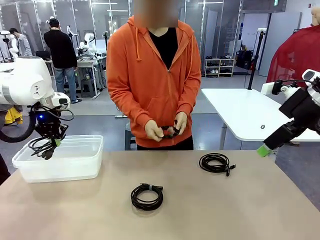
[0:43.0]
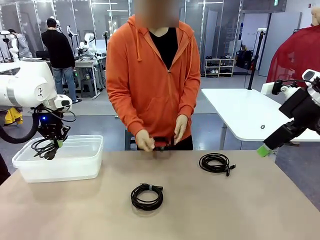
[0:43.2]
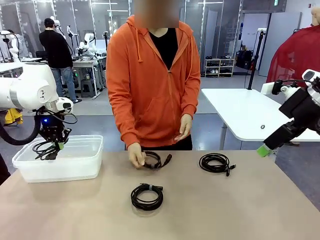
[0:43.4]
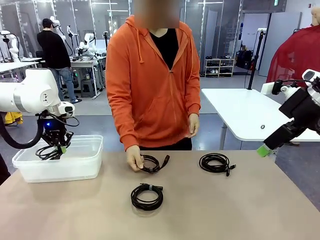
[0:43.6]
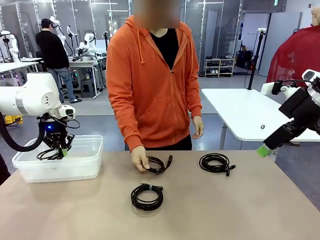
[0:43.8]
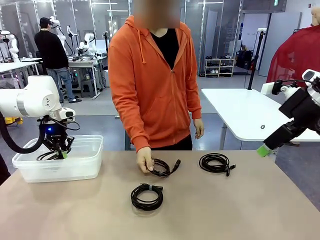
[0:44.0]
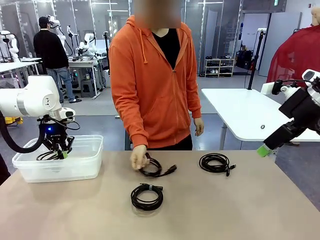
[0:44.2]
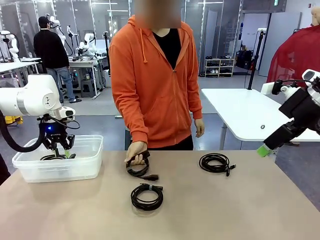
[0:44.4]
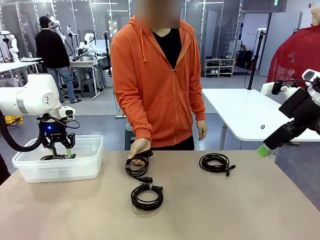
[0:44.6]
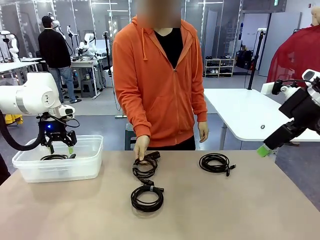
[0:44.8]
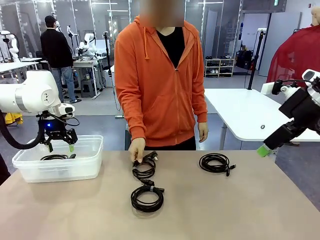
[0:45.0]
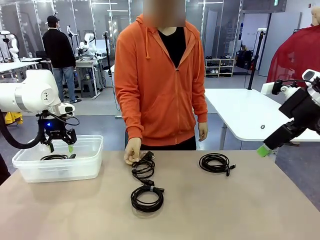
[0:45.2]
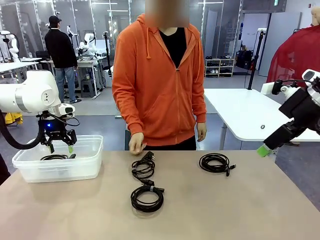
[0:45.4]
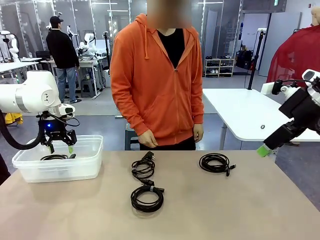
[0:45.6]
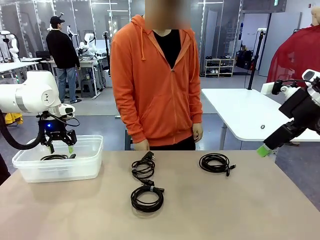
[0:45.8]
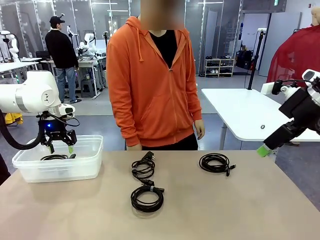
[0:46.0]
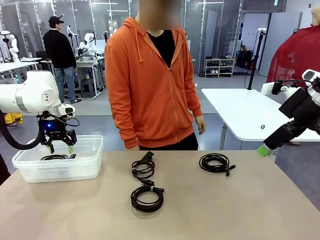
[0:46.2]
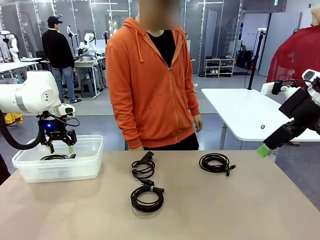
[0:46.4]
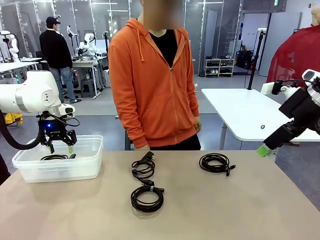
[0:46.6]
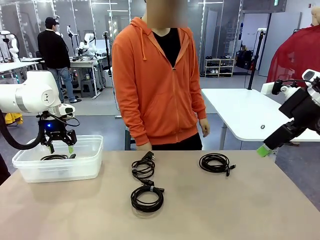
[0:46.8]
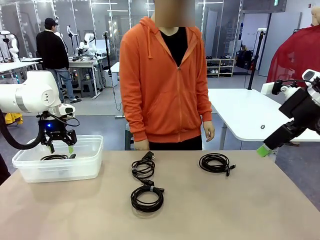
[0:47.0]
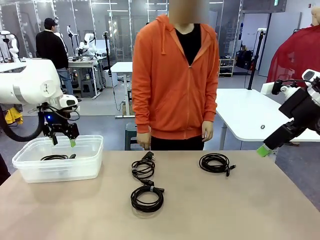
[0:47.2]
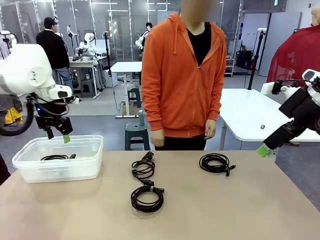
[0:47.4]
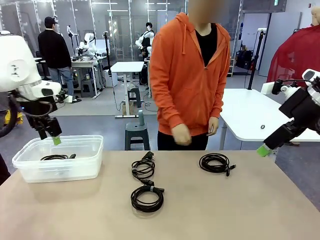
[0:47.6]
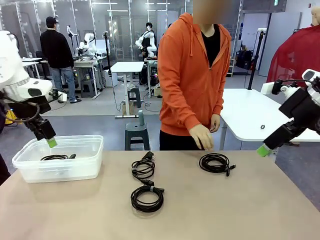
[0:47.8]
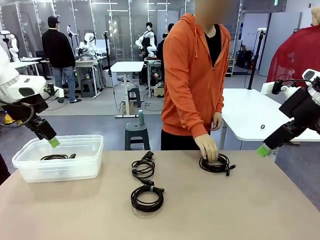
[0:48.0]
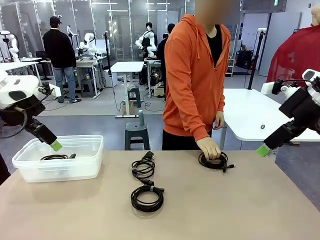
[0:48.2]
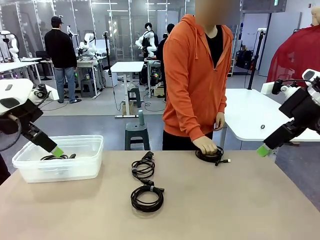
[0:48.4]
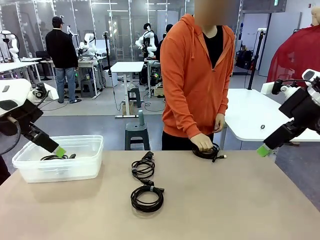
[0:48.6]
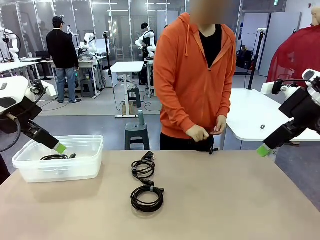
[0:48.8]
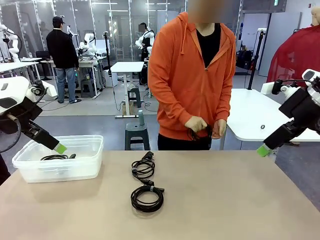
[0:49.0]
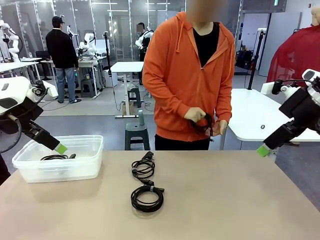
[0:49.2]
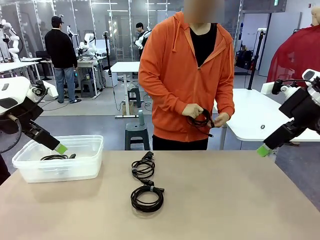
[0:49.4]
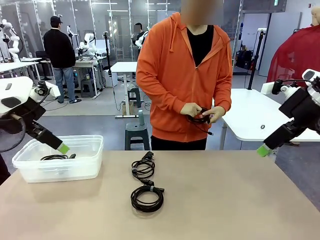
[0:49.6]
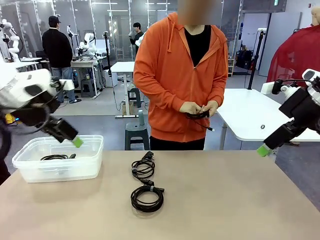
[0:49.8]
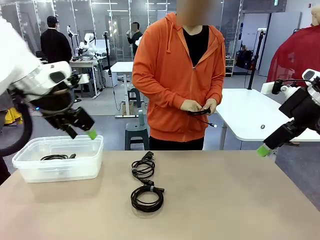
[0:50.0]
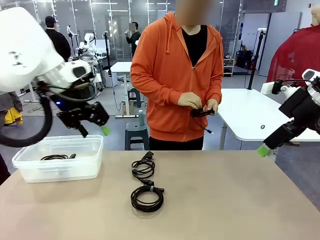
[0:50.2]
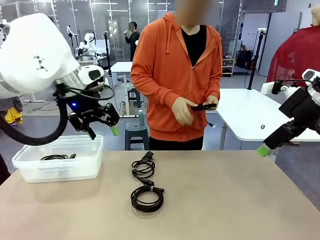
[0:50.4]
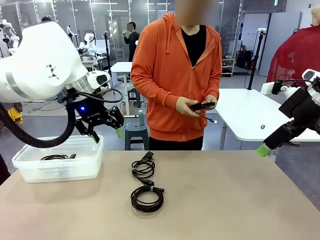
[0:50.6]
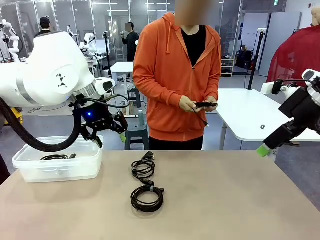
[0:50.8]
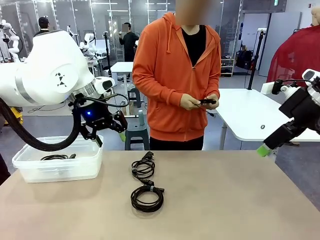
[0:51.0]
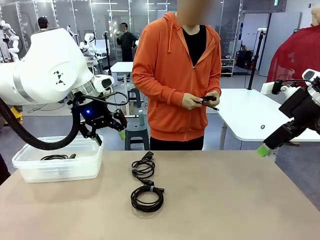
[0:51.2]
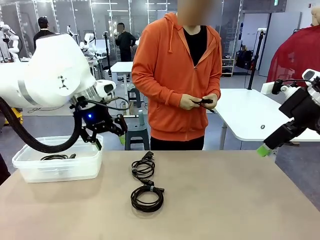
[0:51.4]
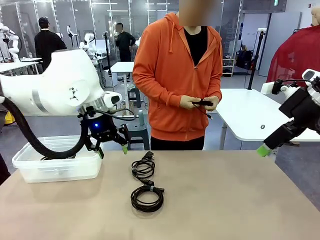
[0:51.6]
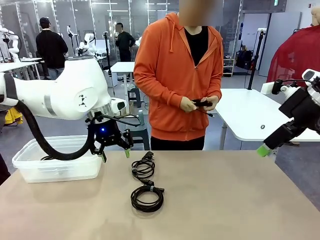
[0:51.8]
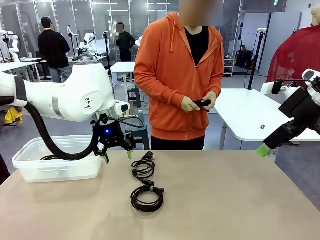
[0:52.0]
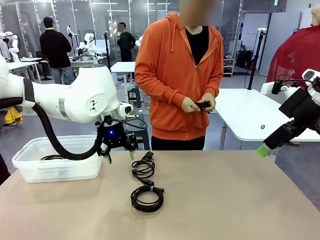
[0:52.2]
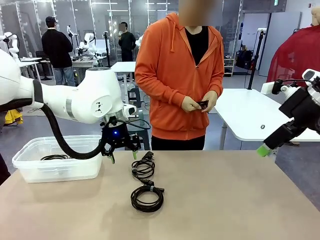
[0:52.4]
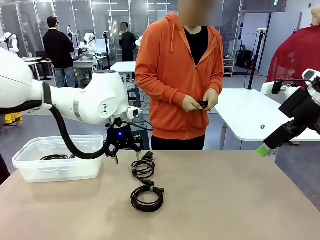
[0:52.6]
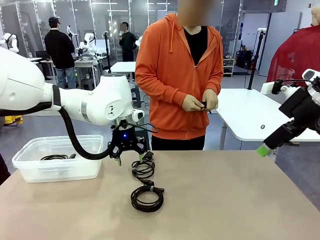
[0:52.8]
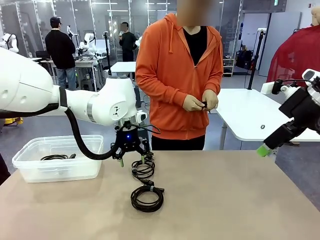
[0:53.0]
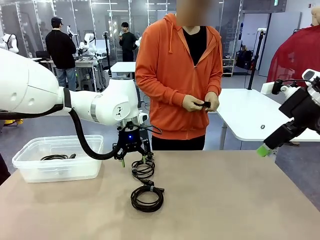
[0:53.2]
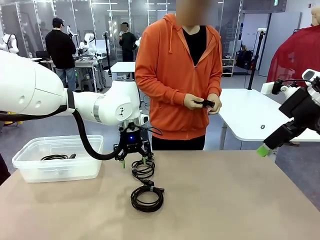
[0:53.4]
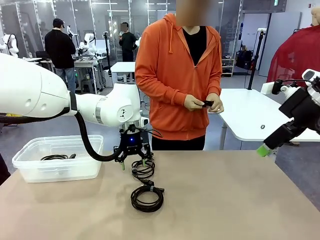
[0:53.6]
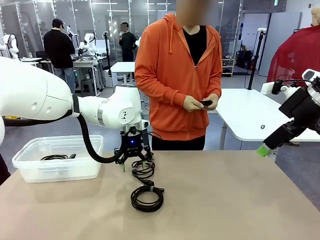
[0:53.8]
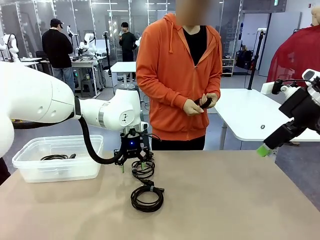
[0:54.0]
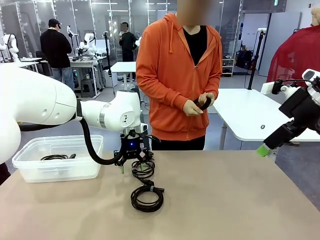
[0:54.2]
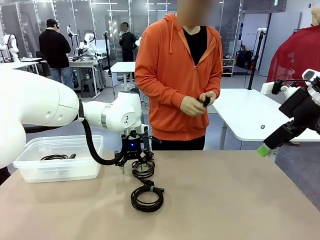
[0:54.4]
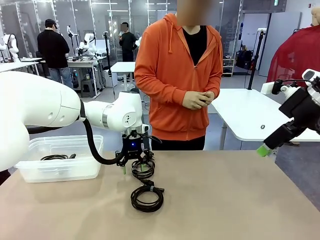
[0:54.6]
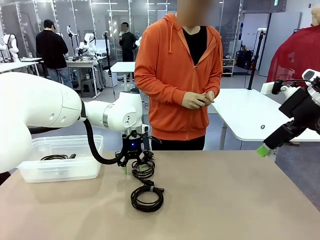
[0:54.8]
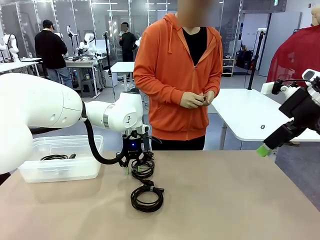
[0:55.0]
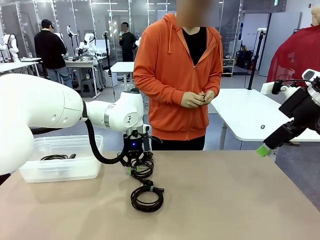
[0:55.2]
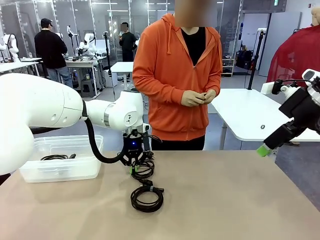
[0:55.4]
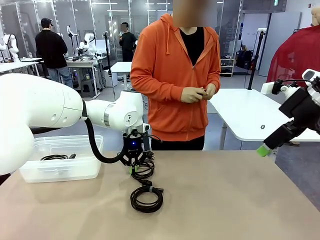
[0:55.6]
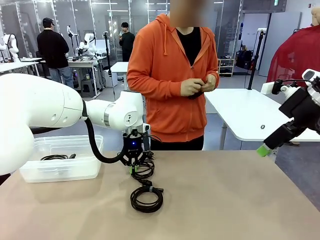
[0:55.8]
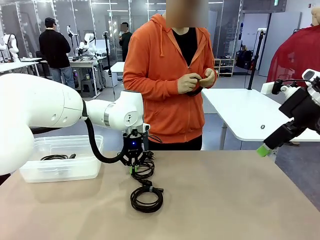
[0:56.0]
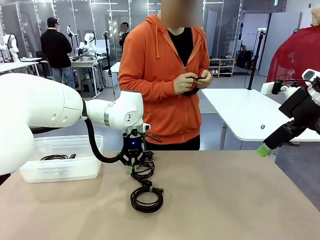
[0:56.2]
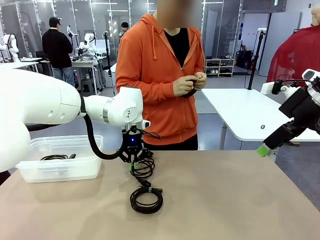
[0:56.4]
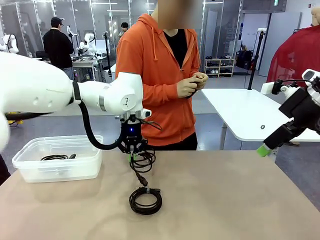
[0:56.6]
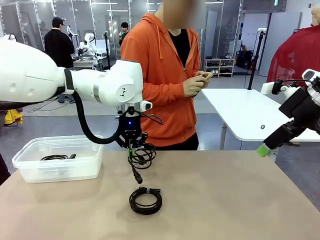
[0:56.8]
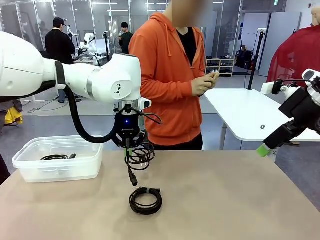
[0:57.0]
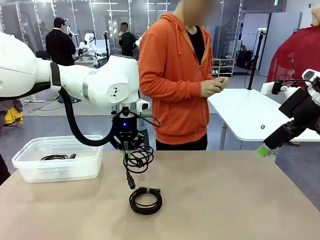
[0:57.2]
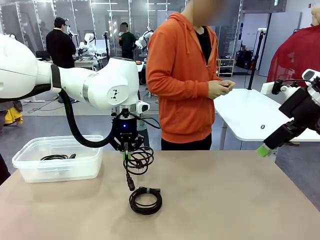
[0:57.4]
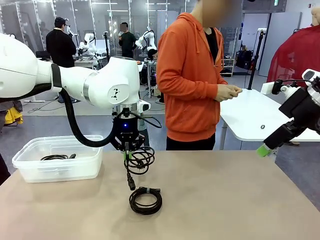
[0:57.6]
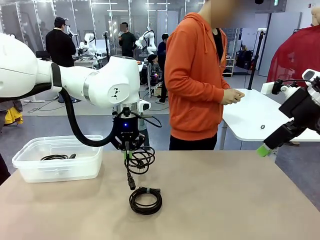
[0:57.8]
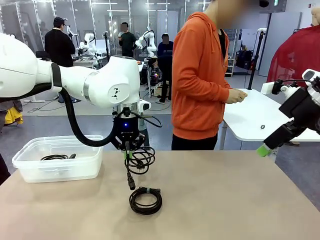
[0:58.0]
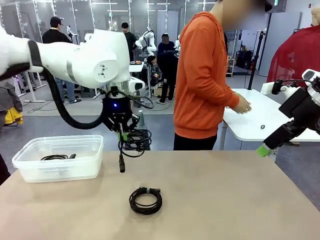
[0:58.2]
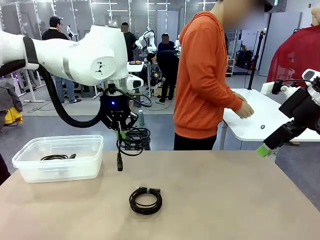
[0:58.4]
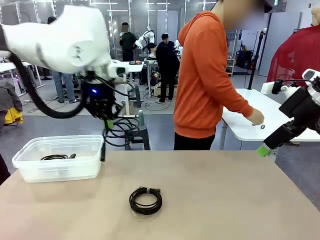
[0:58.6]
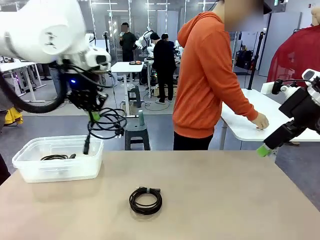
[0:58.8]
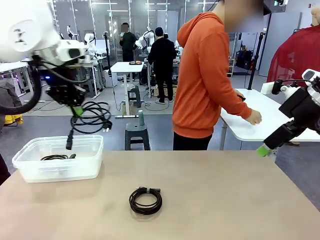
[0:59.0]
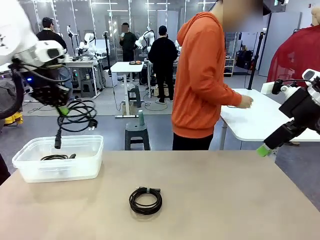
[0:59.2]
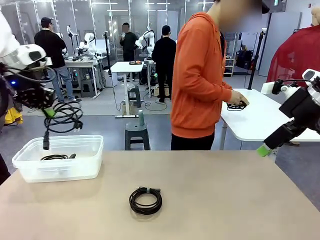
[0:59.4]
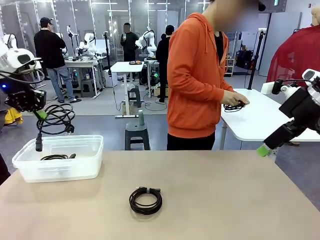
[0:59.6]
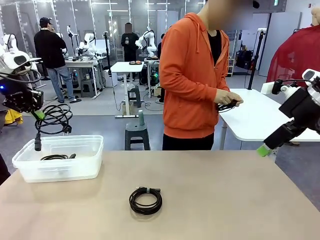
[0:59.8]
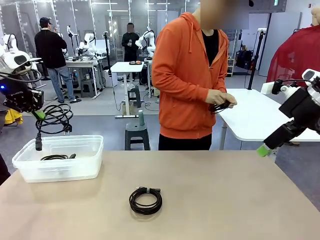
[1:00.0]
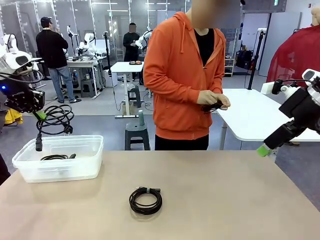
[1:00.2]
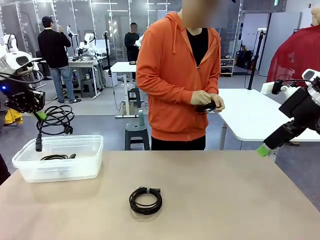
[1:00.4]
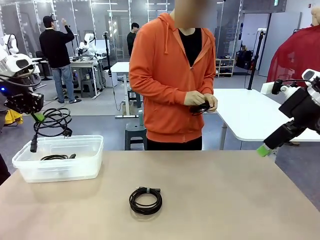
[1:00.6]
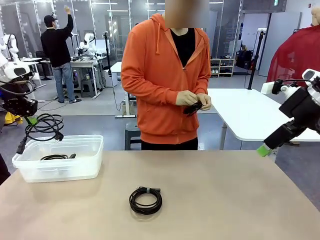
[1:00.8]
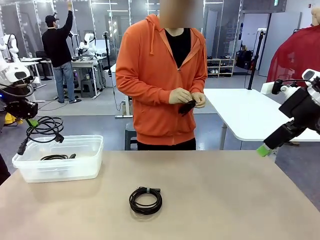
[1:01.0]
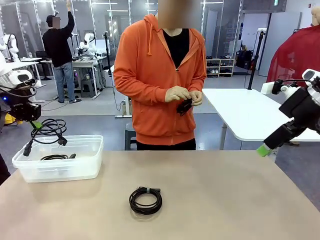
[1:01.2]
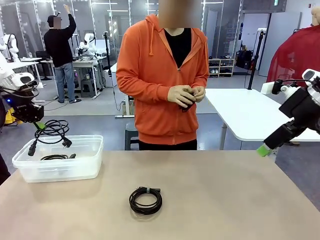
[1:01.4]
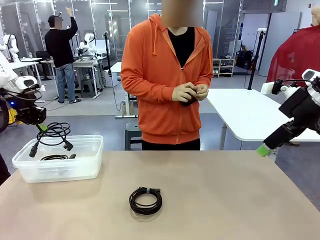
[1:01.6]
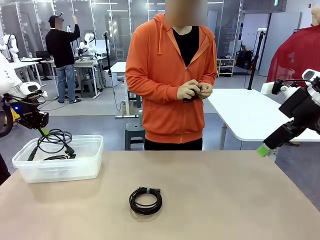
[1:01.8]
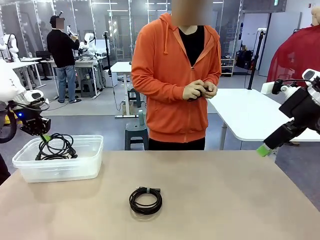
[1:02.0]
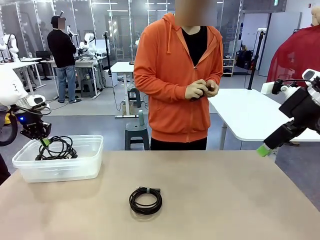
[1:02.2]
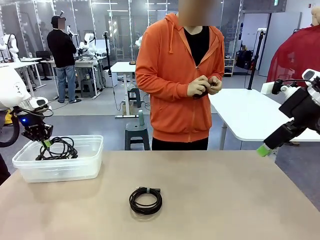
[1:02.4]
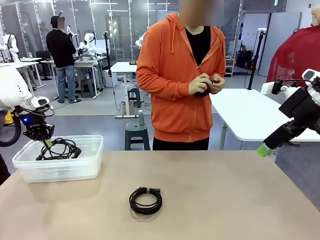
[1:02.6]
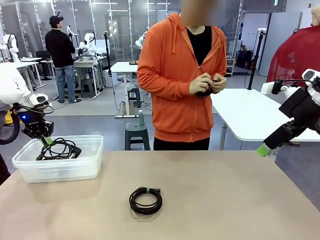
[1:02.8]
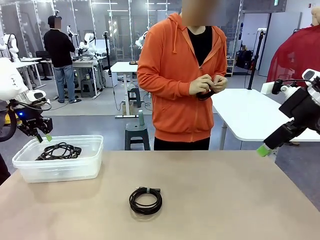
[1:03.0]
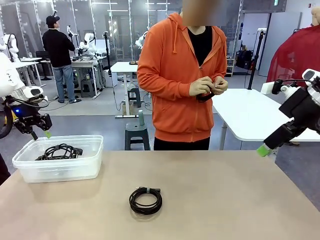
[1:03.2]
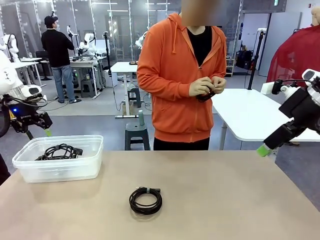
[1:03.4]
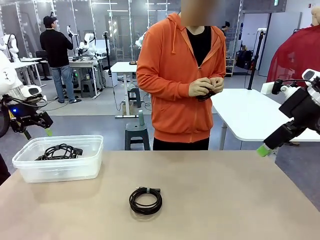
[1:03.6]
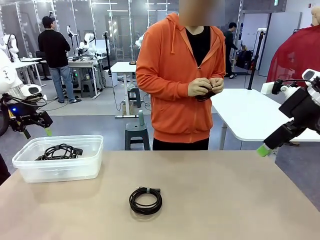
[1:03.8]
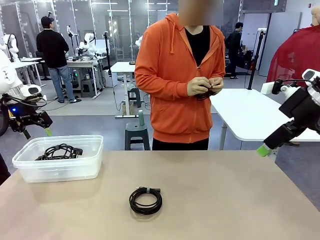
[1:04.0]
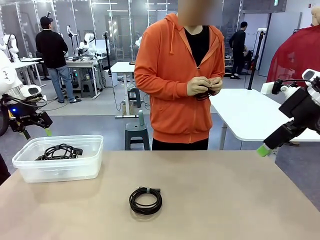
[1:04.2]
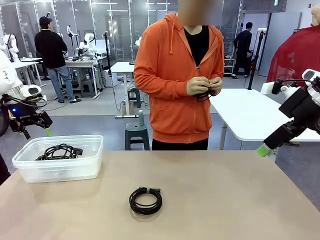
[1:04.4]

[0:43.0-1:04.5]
Task: Organize and store the cables.
Robot: Place the Power Cable into the Organizing box.
